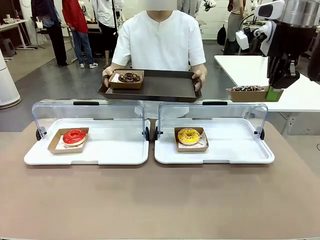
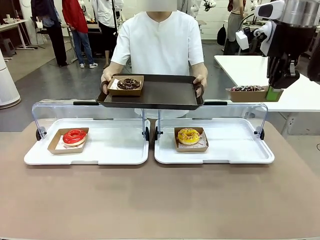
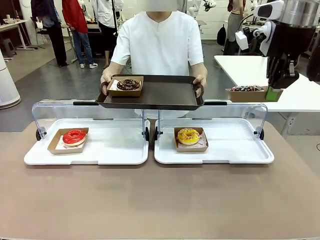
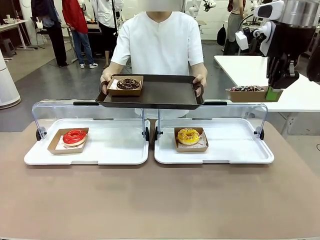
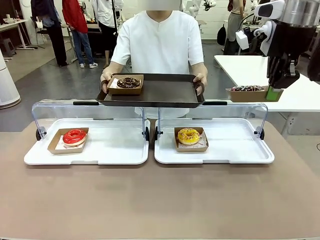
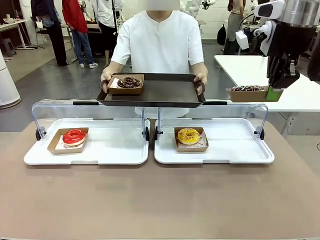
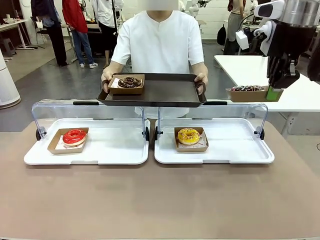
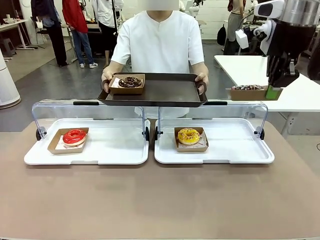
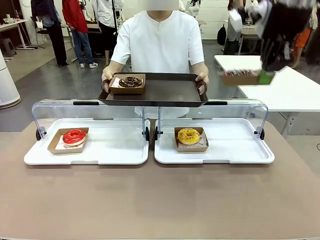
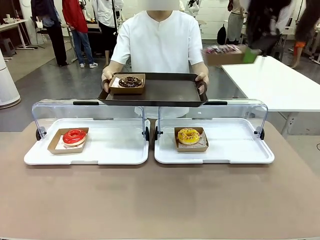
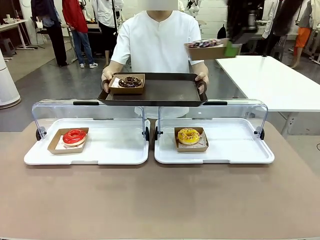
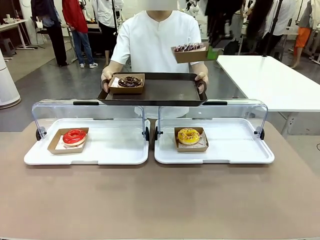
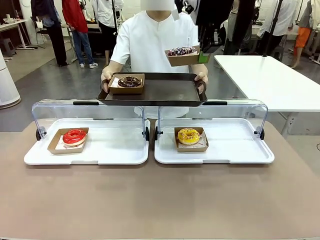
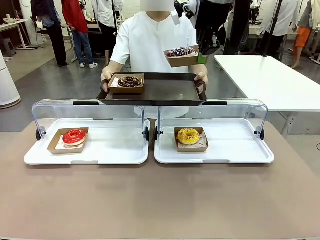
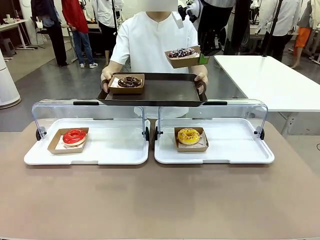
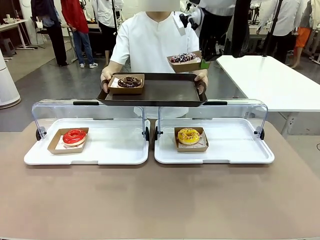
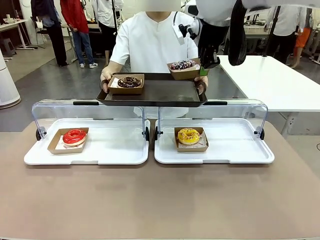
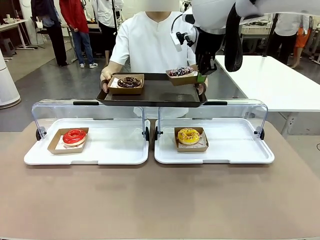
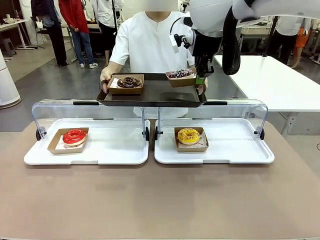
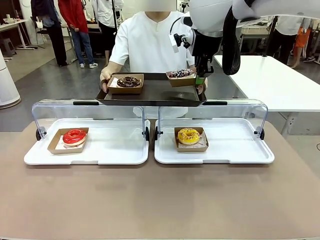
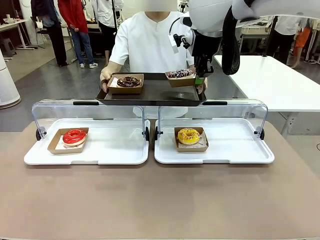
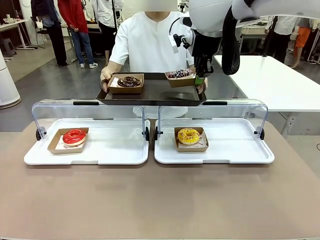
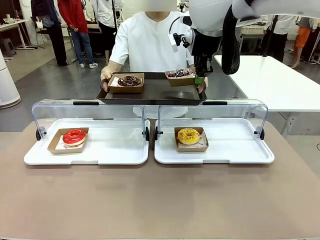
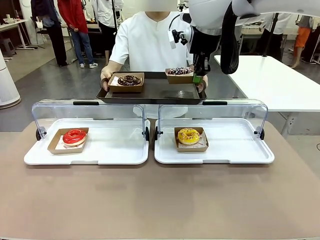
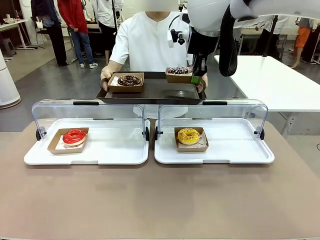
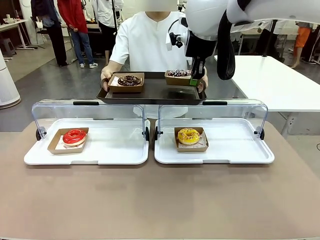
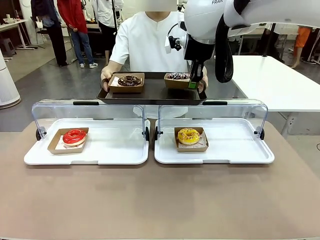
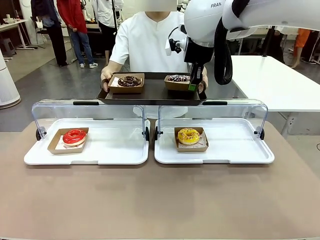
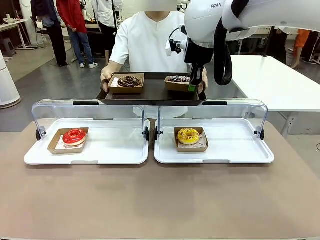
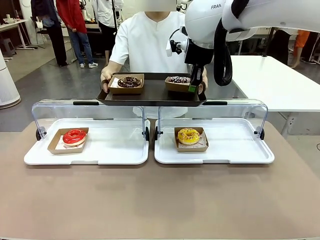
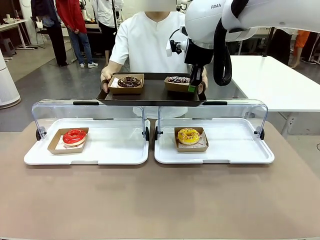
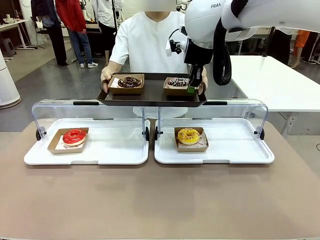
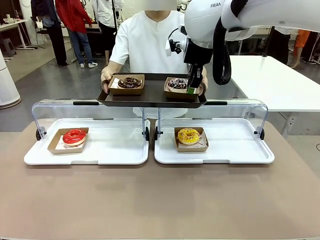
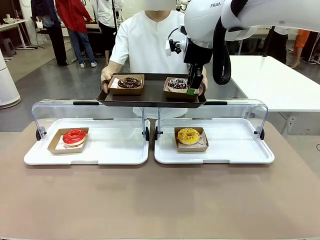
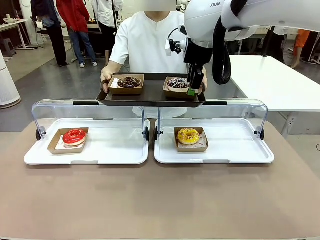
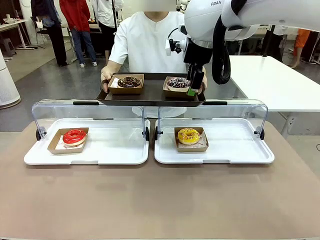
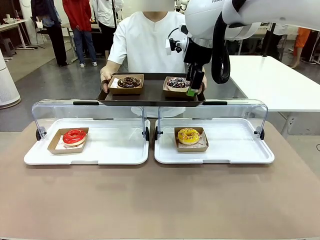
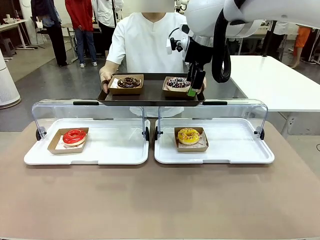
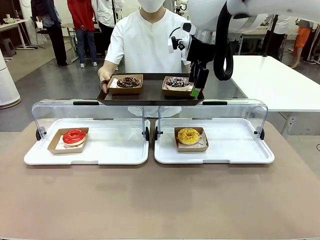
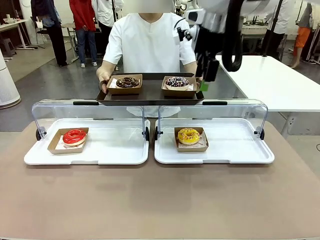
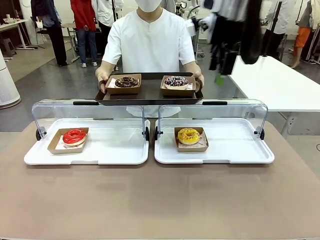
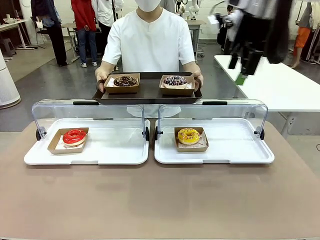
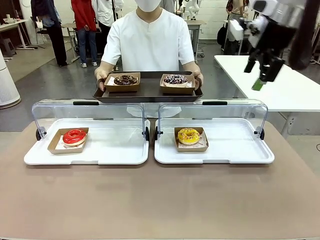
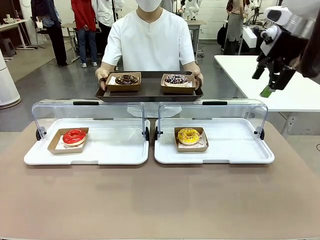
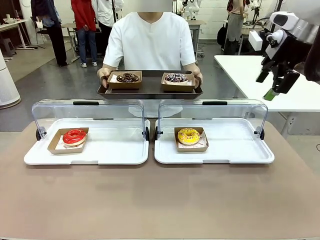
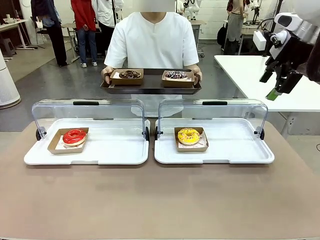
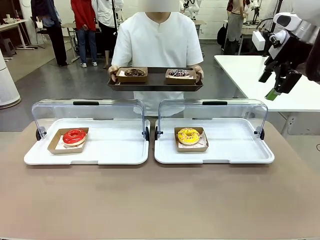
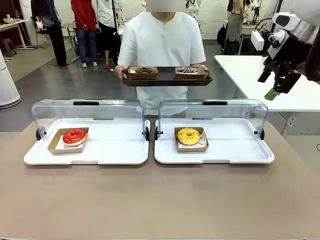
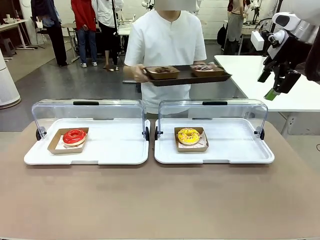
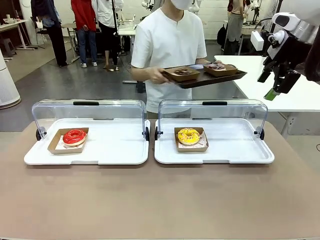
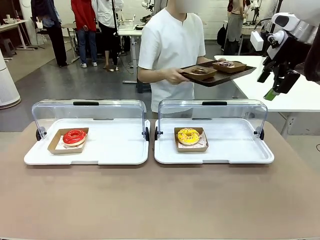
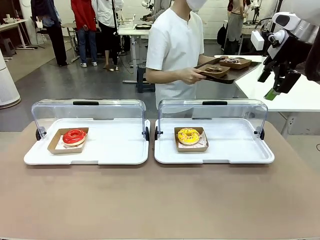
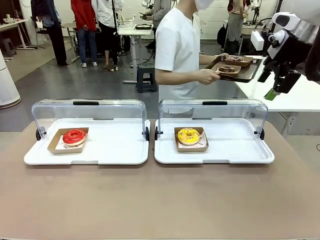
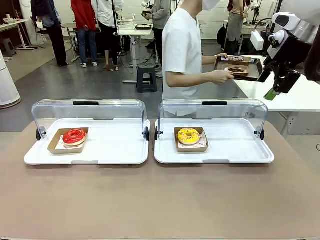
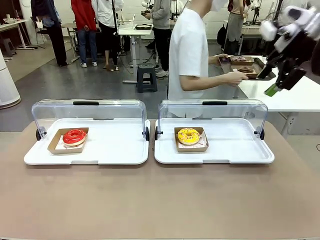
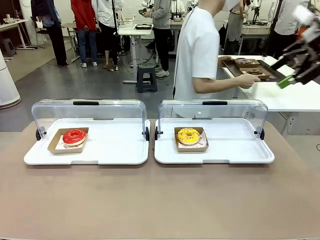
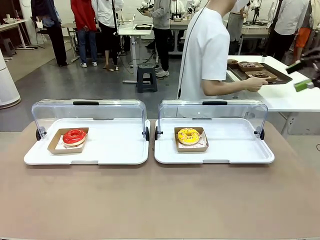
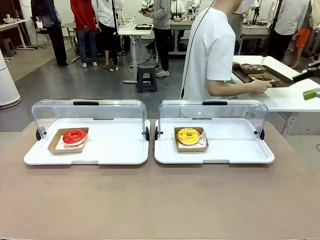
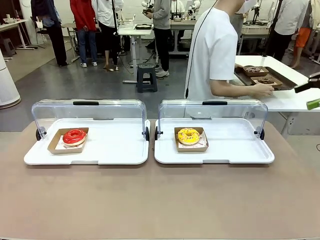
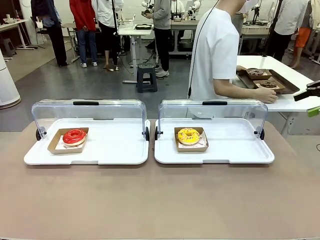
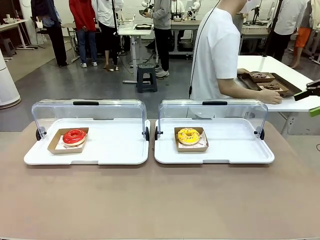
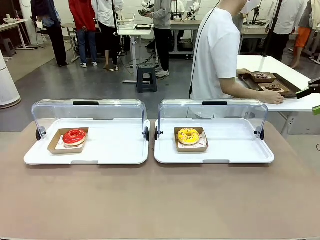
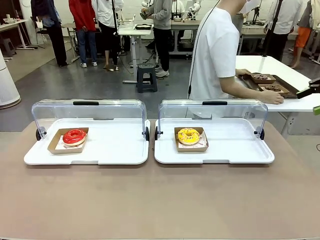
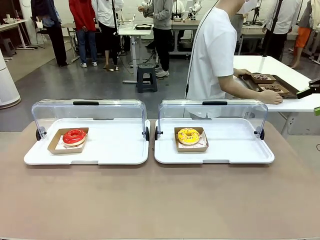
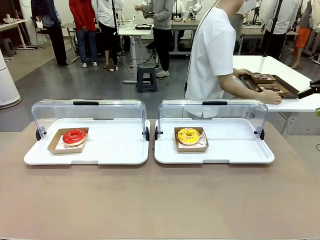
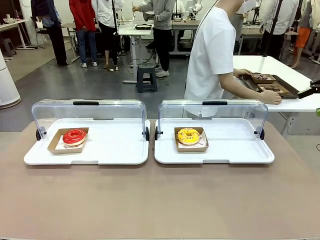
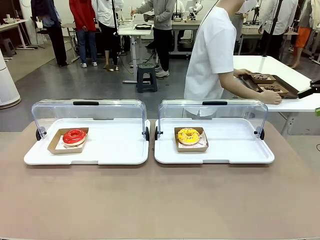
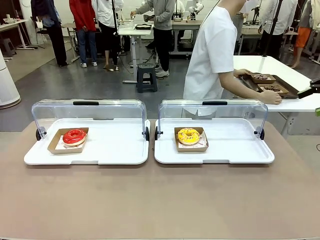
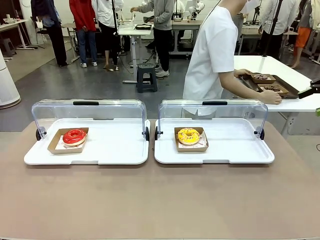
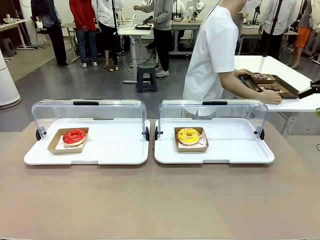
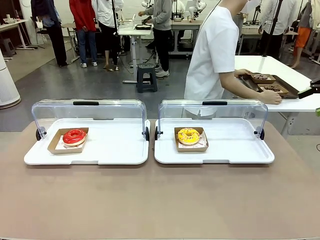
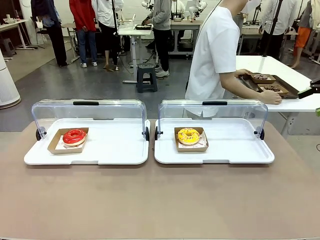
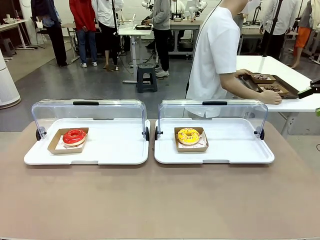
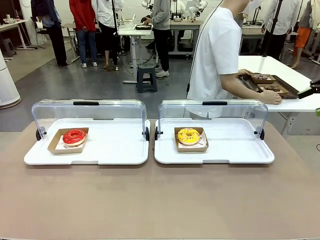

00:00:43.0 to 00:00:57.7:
Task: Provide the desired donut to the person.
Robot: Place the picked Paper togo box onto the Handle tray extended by the person.
Person: Place the tray in the middle of the human table.

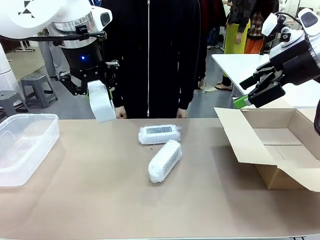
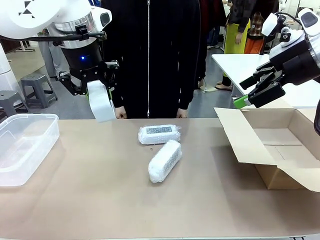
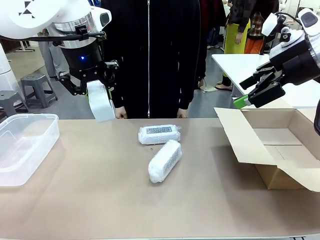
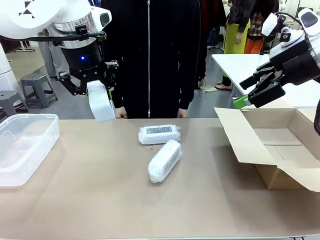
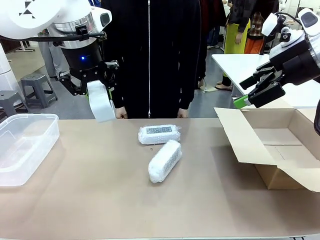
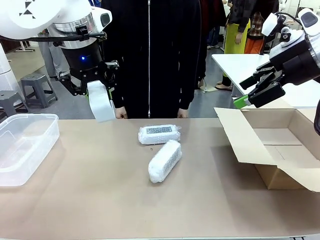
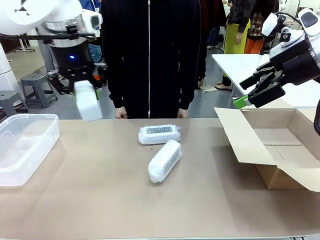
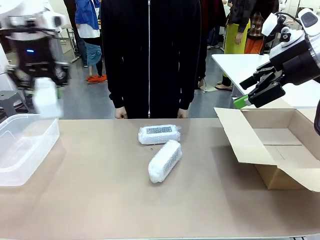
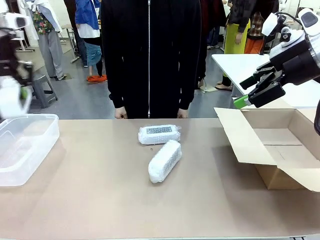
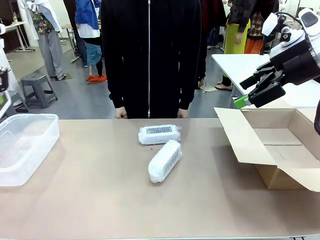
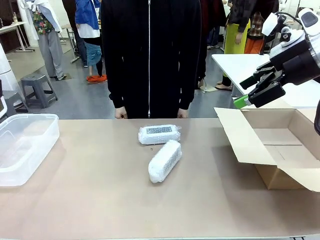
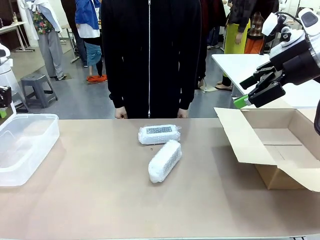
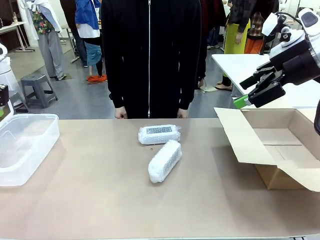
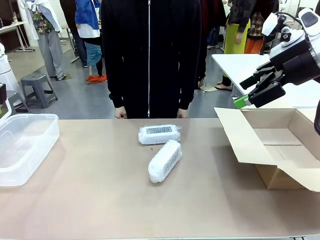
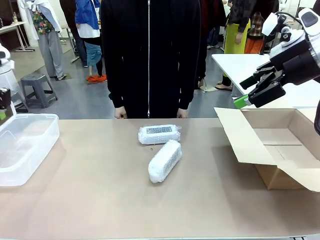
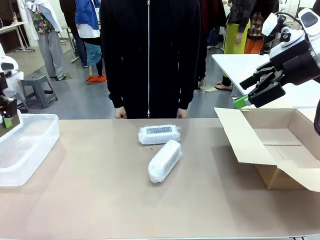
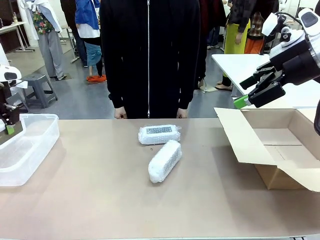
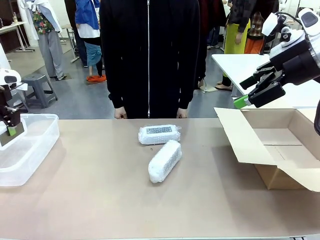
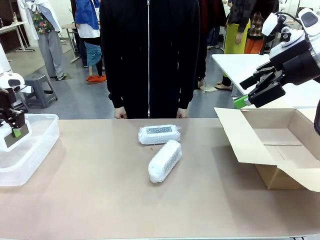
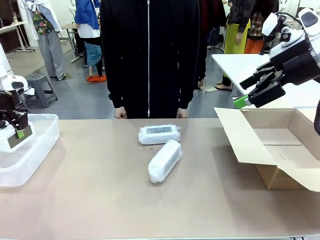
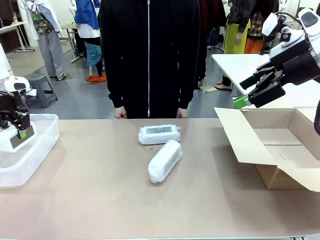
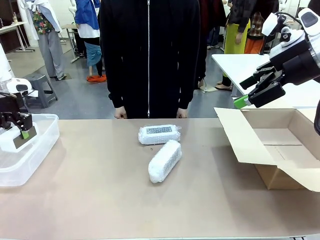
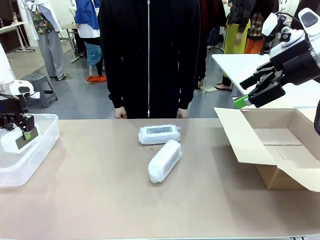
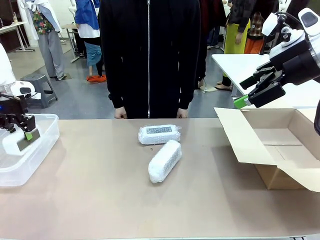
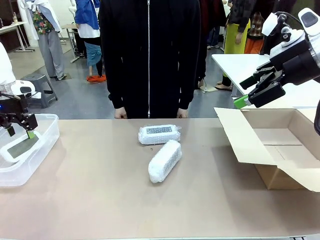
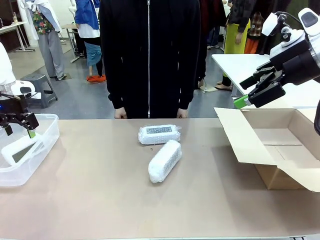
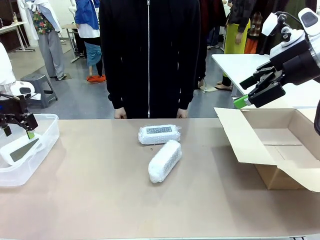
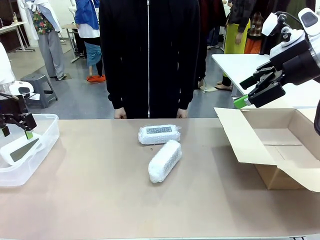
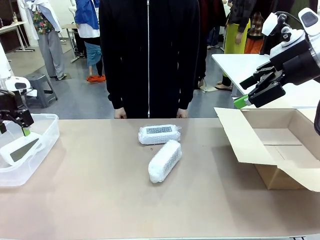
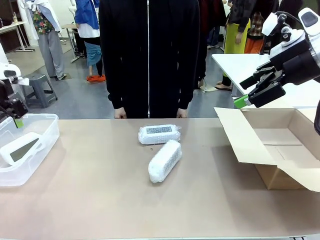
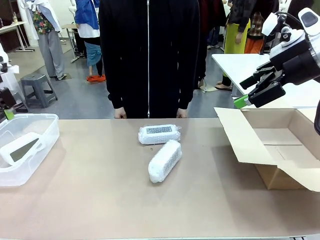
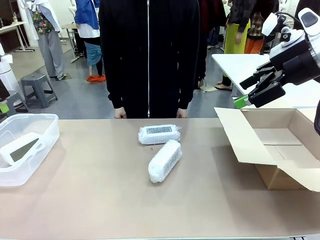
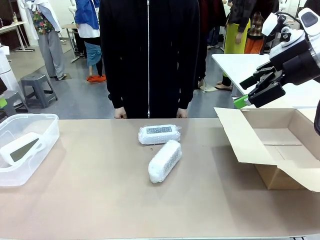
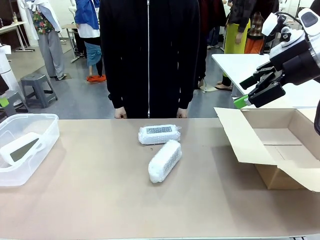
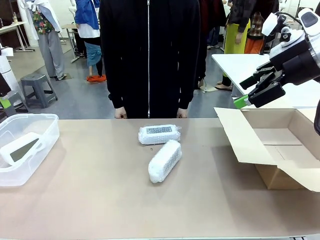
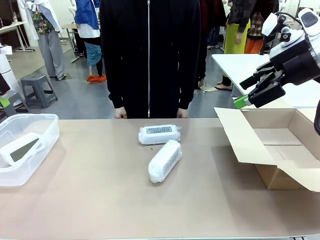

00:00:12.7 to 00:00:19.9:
Task: Separate and place wrapped and unwrapped clocks.
Robot: If the picked Digital clock is wrapped, place it in the Package Box ; if not, place it in the Organizing box.
